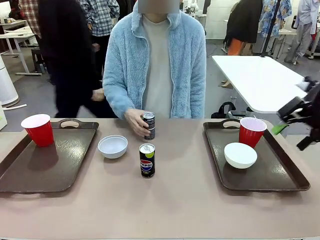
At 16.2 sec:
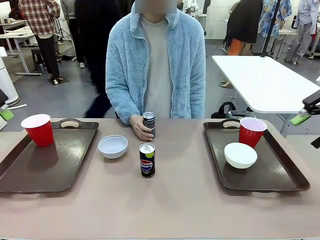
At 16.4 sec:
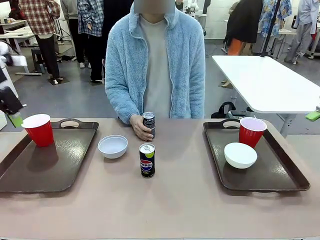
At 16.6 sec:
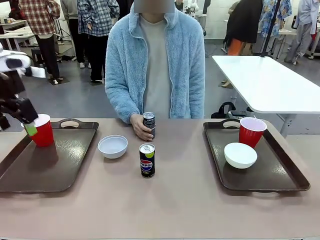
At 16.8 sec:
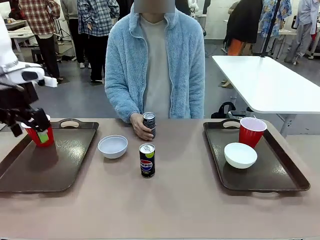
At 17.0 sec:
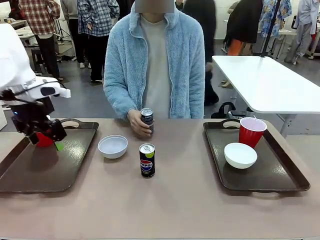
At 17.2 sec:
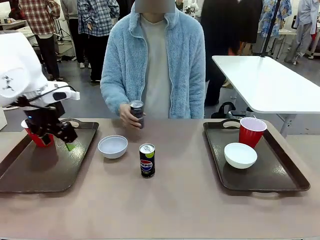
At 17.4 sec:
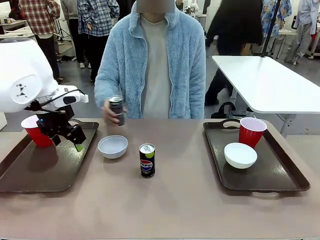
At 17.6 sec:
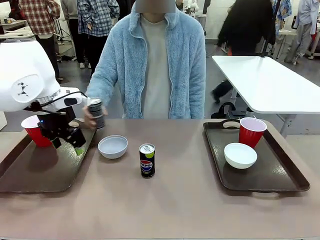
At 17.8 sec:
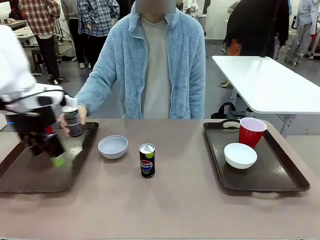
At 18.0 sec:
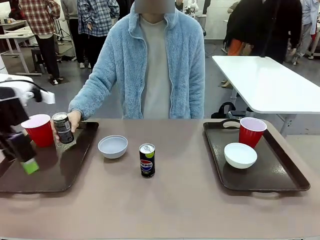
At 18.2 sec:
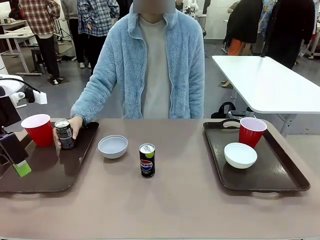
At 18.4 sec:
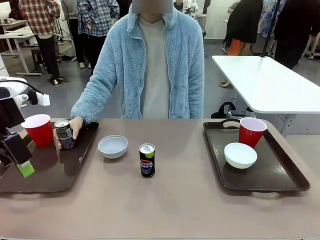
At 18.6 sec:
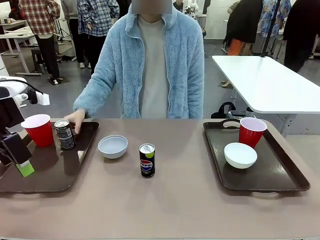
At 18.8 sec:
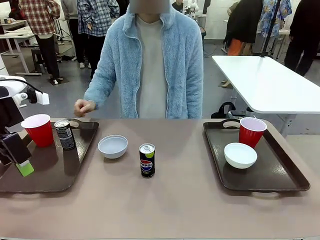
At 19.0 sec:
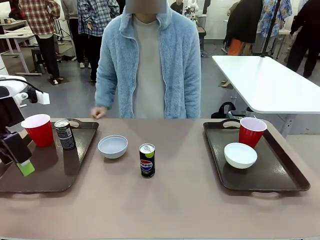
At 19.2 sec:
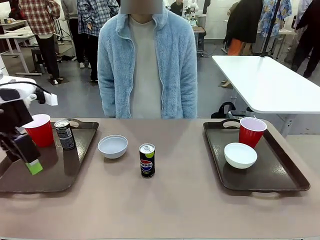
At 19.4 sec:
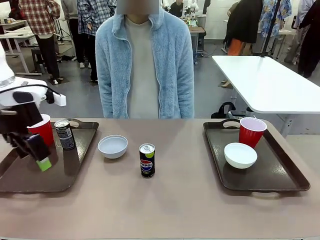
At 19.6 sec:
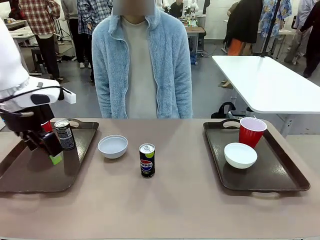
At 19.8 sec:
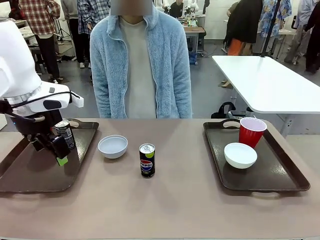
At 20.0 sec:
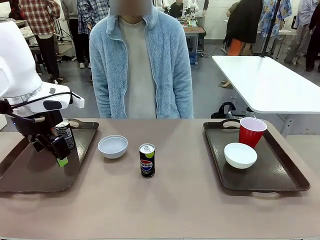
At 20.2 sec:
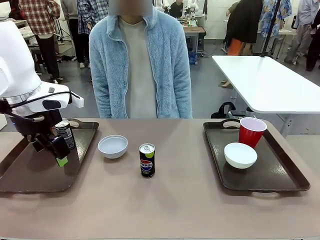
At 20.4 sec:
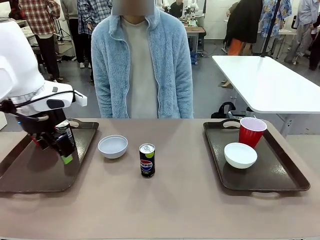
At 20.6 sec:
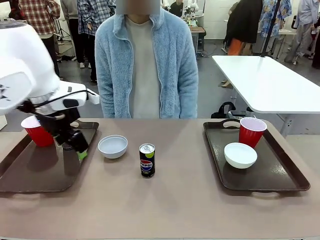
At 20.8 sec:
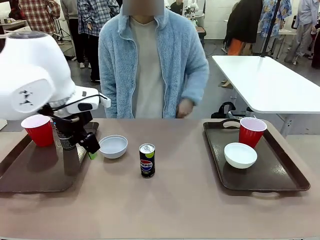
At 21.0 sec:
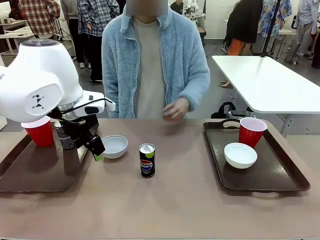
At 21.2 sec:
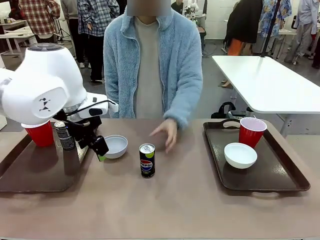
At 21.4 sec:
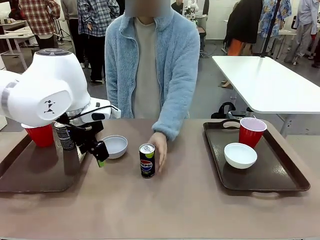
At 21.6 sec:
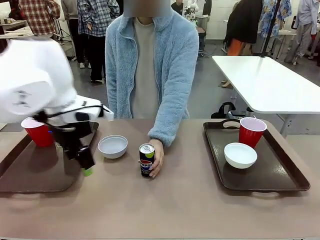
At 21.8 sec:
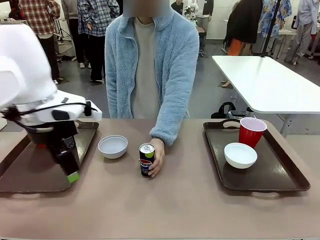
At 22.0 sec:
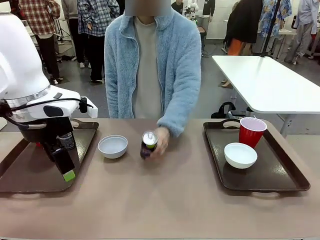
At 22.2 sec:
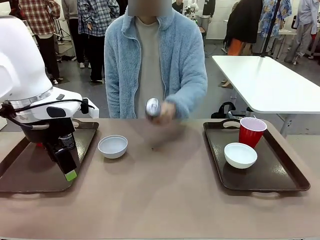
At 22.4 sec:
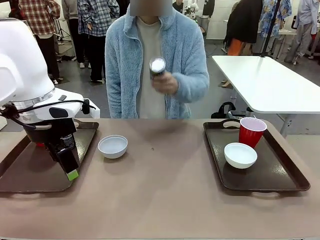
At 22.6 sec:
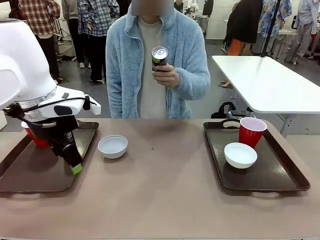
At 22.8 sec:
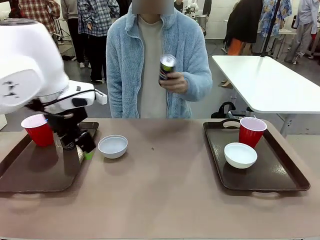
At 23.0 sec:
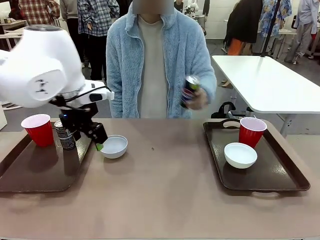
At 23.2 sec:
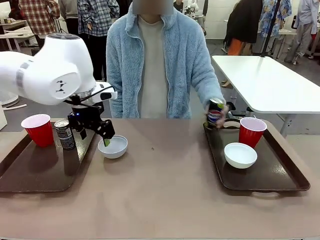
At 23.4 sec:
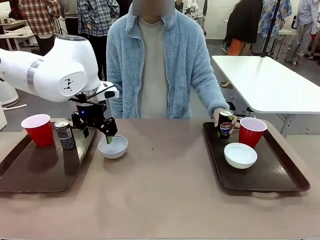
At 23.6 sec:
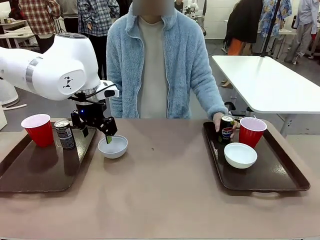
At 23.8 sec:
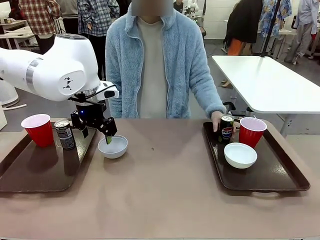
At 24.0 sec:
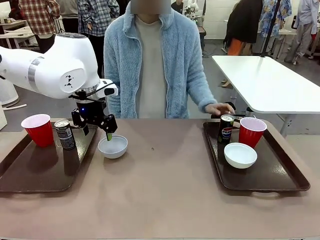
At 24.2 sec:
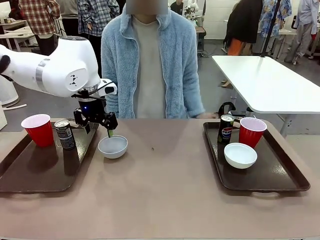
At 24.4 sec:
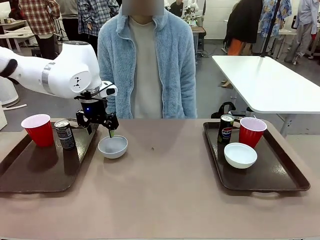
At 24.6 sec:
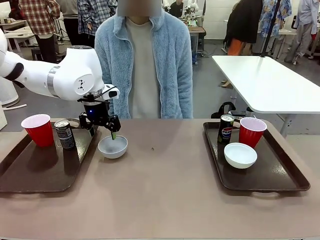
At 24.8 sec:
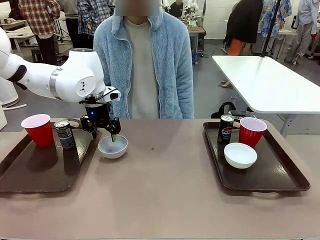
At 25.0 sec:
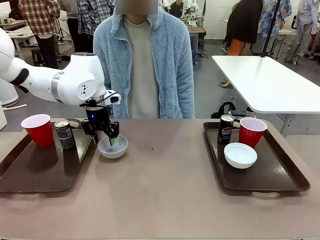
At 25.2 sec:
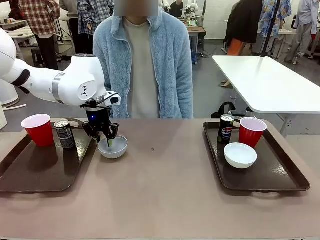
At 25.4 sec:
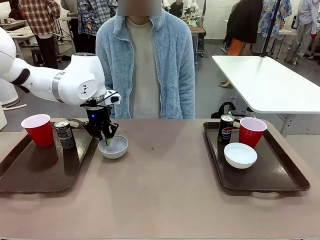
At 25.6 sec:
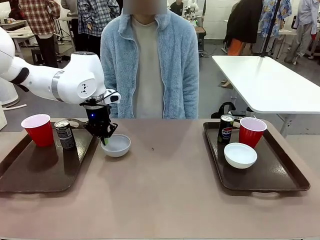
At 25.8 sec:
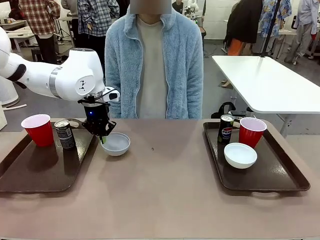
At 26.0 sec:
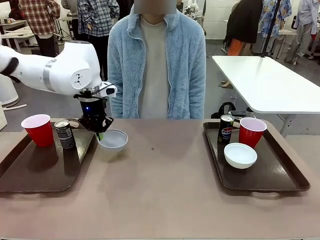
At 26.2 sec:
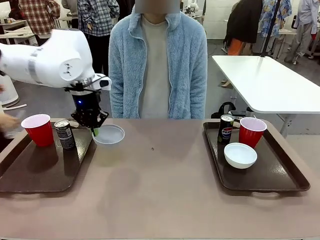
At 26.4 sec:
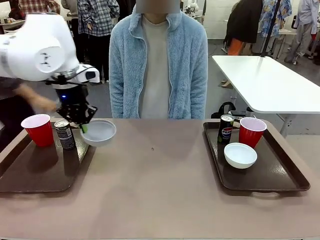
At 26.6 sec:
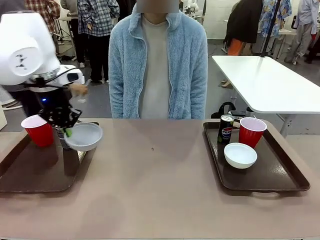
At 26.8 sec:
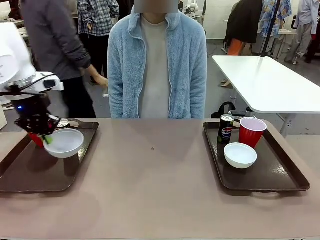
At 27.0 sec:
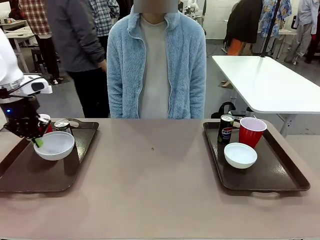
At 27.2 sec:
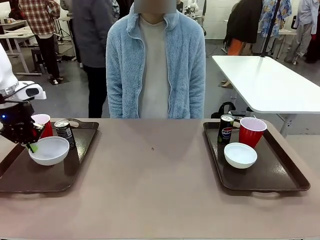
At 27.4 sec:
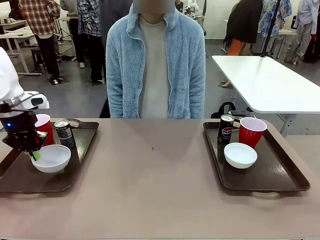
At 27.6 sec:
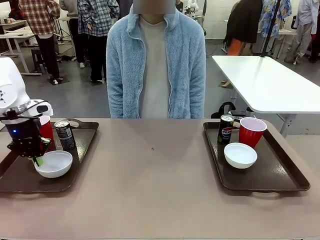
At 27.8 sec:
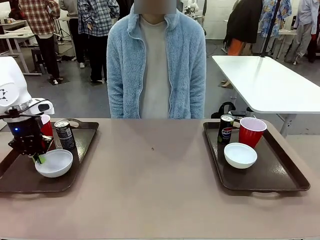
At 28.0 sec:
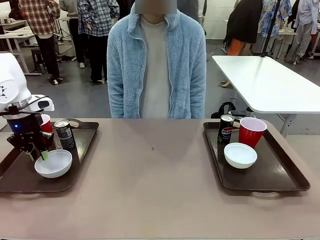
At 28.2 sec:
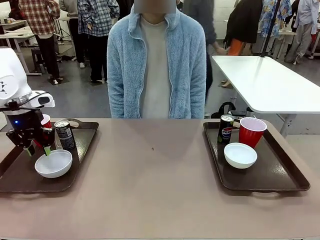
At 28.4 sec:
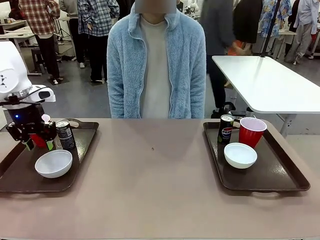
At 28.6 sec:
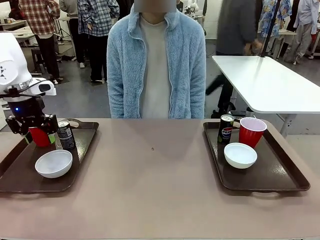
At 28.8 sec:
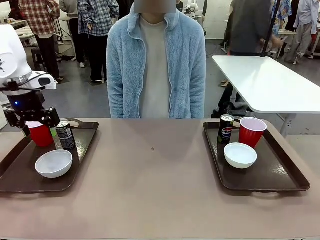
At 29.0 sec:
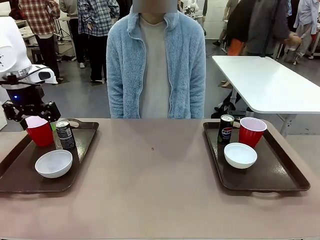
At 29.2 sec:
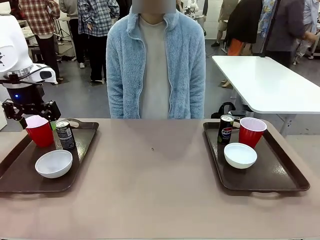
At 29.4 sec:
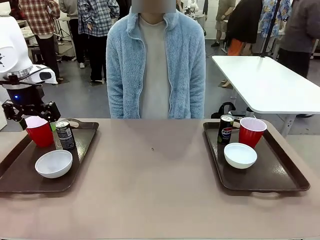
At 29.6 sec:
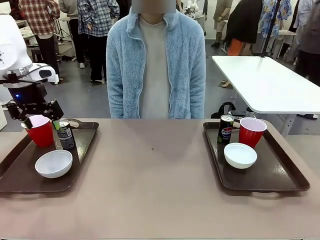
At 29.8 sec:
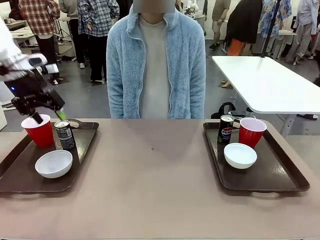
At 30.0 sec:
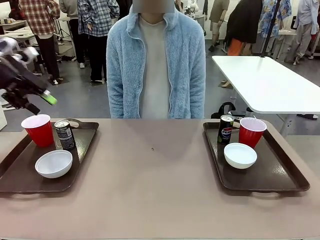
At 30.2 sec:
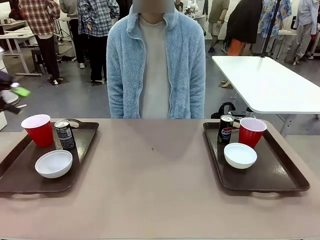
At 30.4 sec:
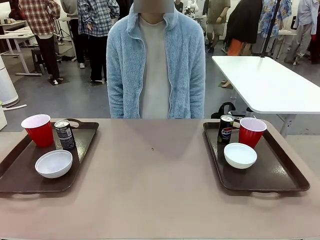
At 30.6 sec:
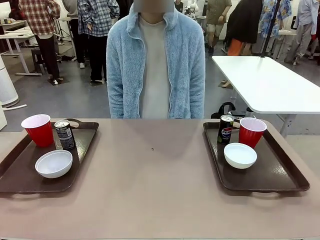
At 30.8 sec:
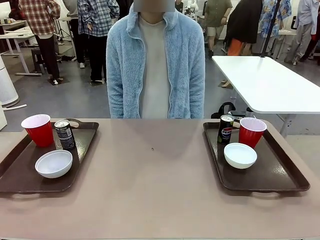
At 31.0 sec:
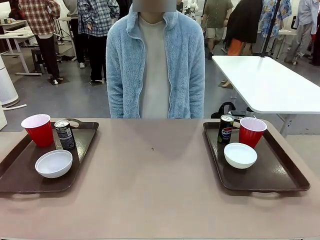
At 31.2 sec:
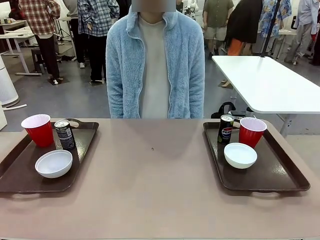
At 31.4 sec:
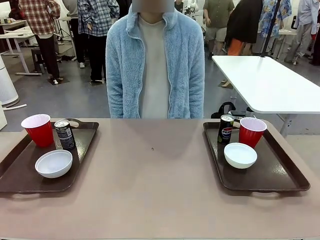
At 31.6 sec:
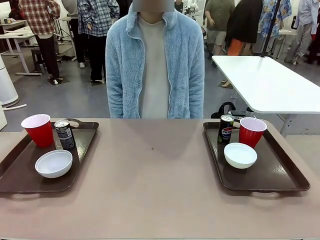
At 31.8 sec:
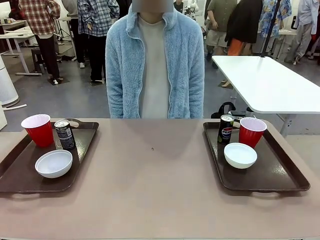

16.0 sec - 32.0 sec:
Task: Prepare tableware on both trays.
Robot: Pick up a Picnic Bowl from the table and place it on a Handle tray.
Person: Pick up a can or cup and place it on the tray without a can or cup.
